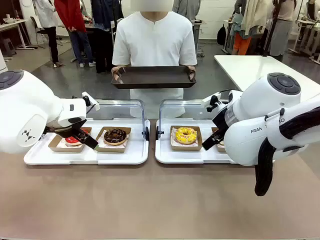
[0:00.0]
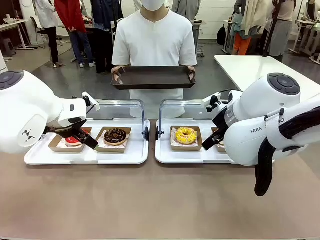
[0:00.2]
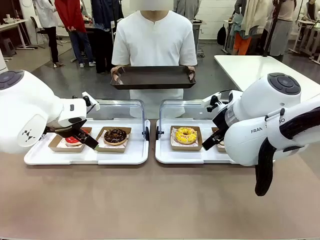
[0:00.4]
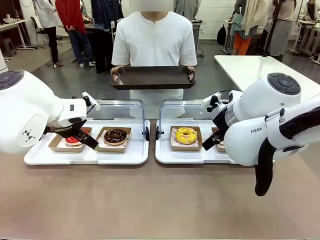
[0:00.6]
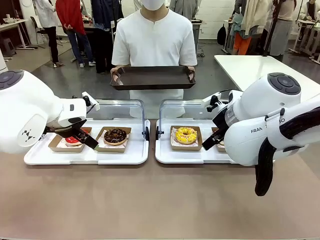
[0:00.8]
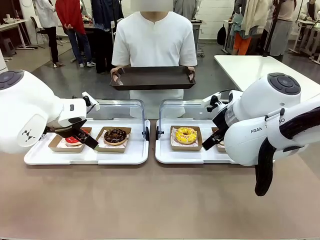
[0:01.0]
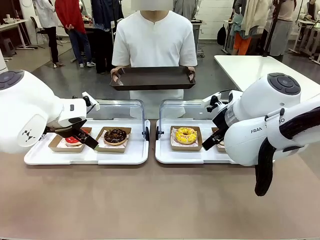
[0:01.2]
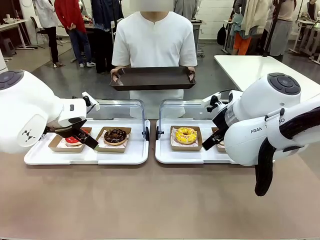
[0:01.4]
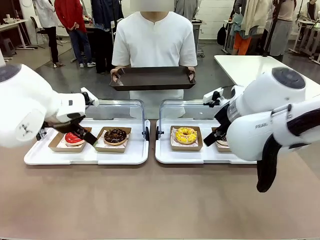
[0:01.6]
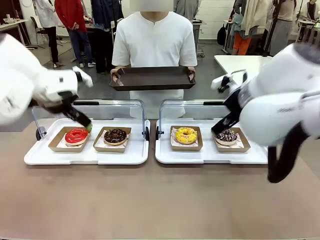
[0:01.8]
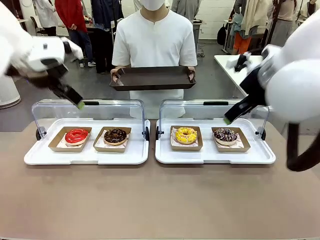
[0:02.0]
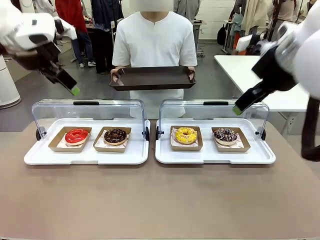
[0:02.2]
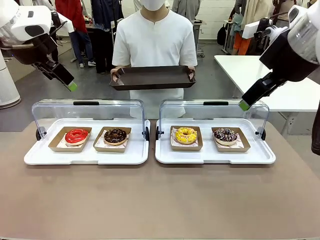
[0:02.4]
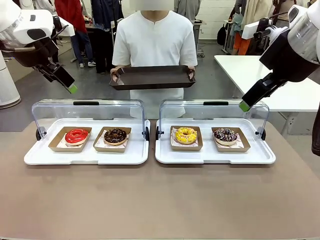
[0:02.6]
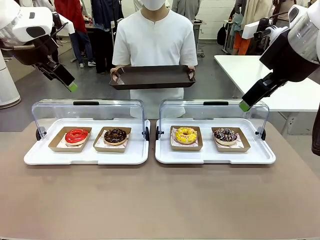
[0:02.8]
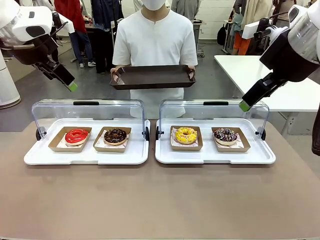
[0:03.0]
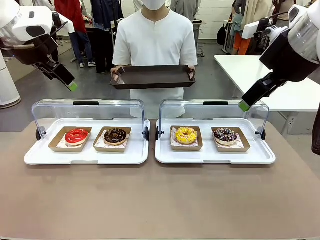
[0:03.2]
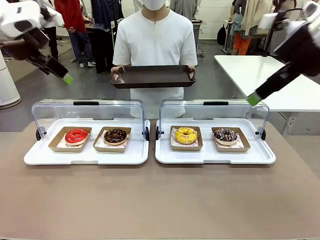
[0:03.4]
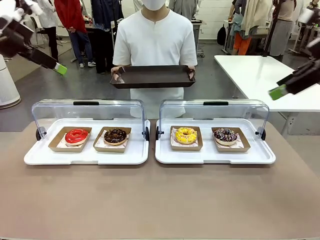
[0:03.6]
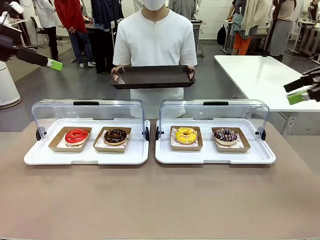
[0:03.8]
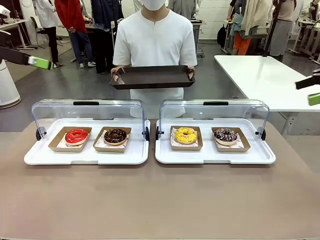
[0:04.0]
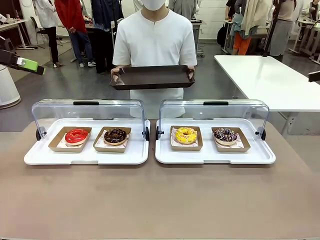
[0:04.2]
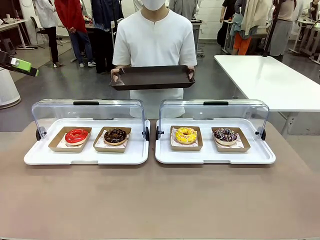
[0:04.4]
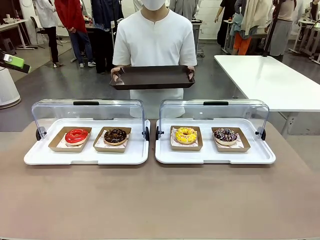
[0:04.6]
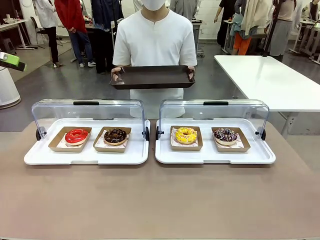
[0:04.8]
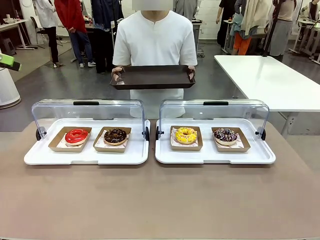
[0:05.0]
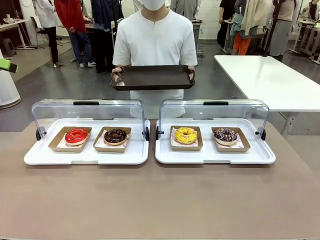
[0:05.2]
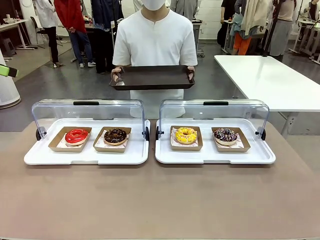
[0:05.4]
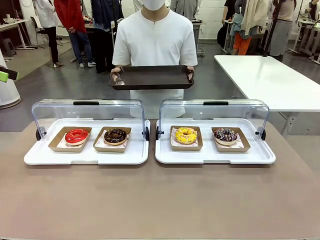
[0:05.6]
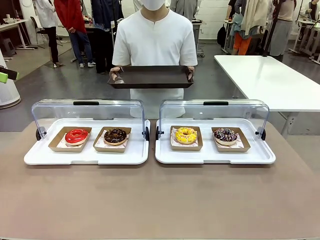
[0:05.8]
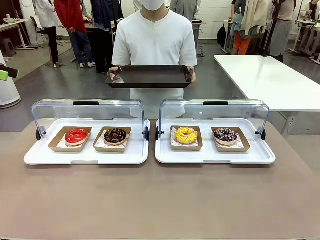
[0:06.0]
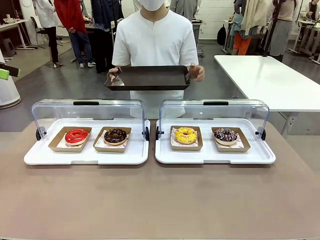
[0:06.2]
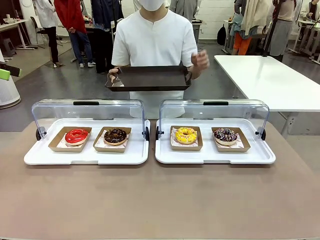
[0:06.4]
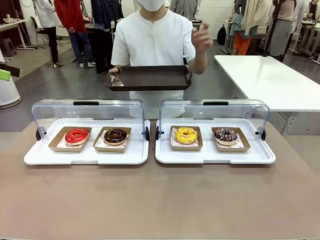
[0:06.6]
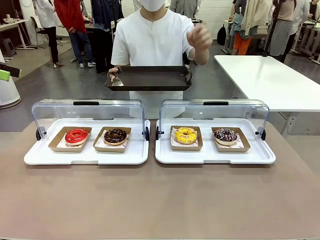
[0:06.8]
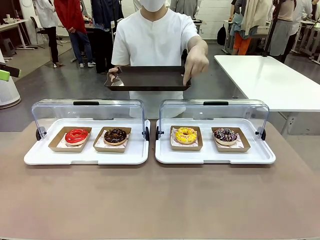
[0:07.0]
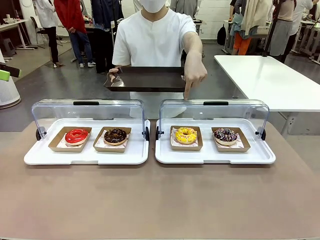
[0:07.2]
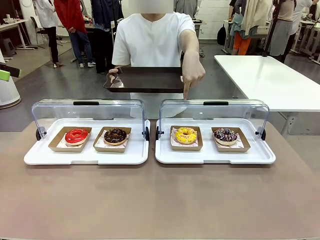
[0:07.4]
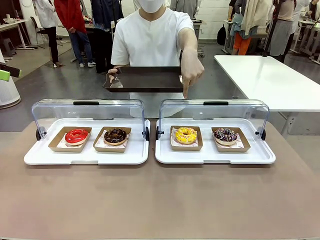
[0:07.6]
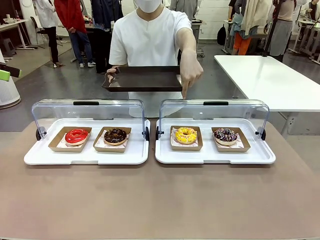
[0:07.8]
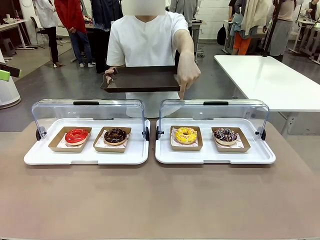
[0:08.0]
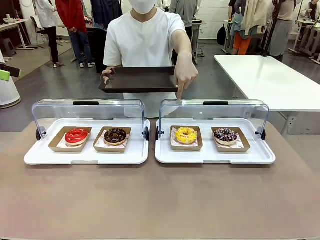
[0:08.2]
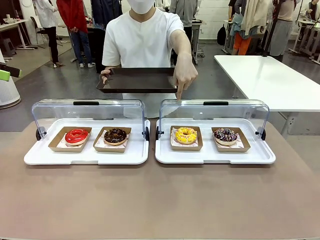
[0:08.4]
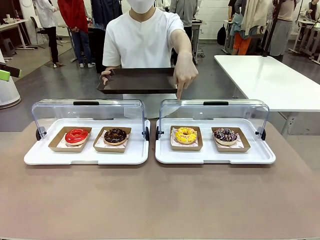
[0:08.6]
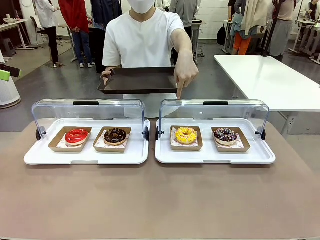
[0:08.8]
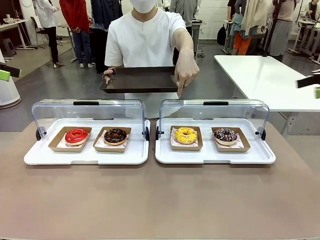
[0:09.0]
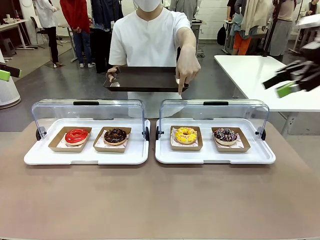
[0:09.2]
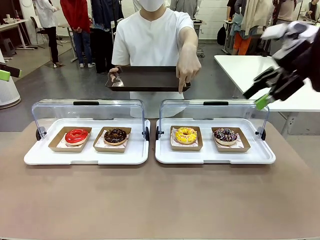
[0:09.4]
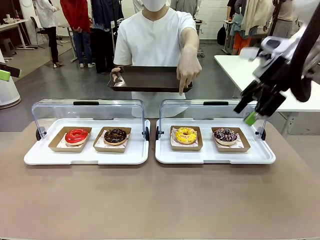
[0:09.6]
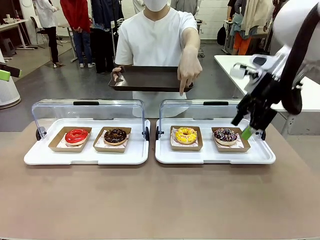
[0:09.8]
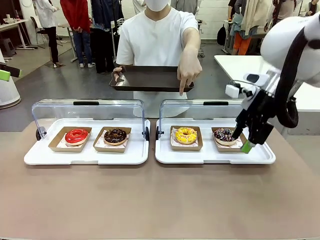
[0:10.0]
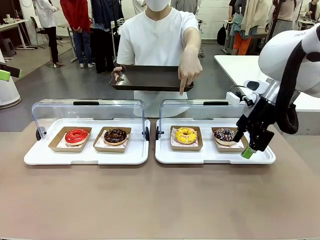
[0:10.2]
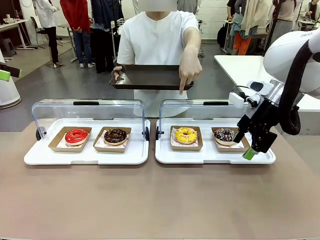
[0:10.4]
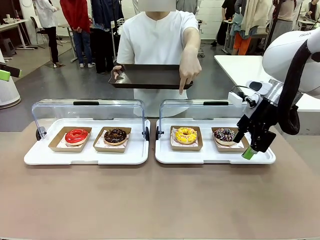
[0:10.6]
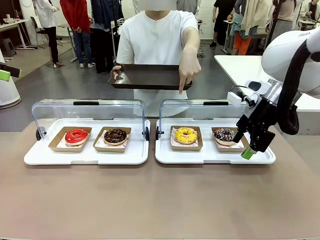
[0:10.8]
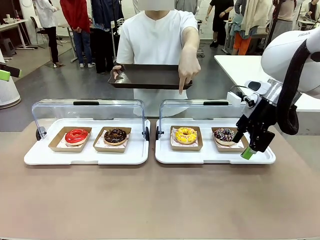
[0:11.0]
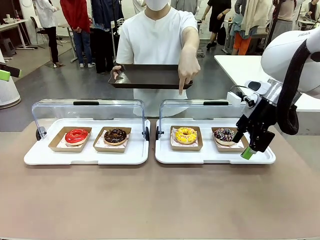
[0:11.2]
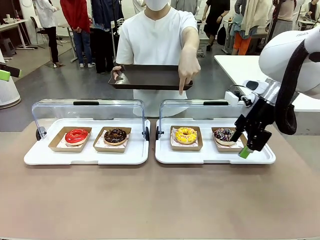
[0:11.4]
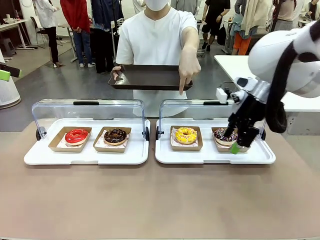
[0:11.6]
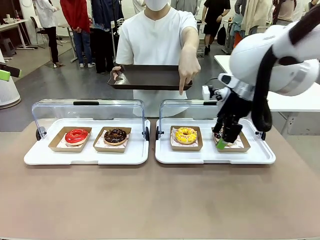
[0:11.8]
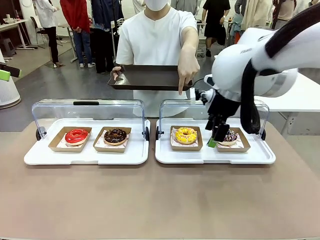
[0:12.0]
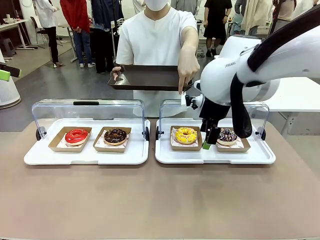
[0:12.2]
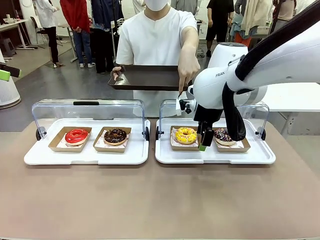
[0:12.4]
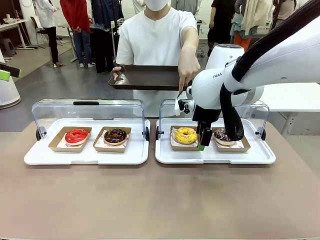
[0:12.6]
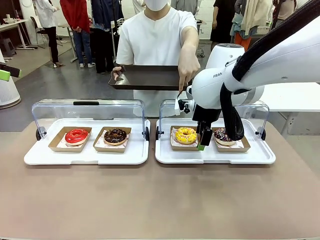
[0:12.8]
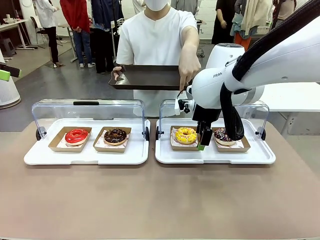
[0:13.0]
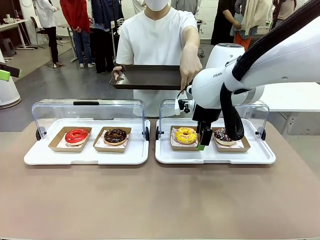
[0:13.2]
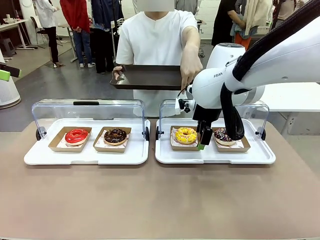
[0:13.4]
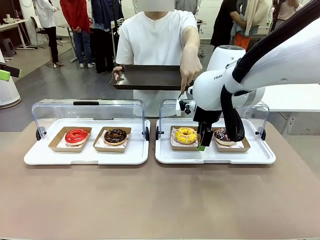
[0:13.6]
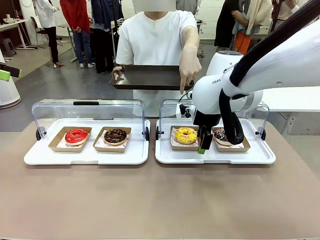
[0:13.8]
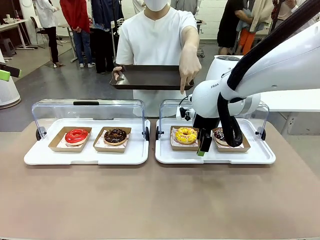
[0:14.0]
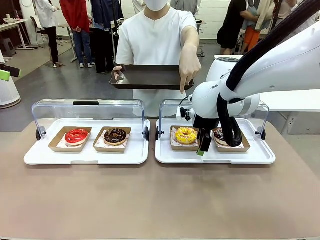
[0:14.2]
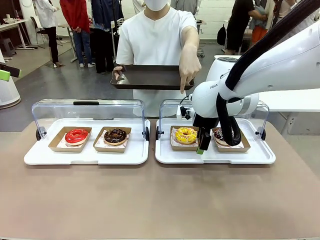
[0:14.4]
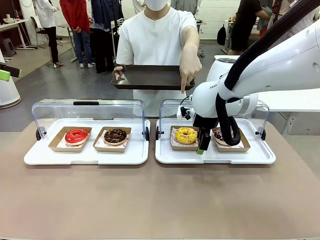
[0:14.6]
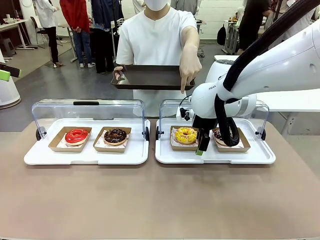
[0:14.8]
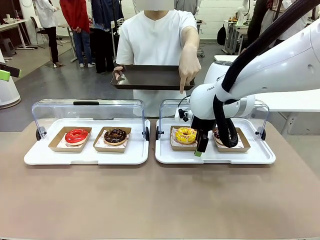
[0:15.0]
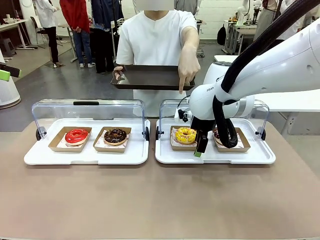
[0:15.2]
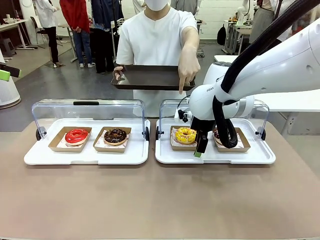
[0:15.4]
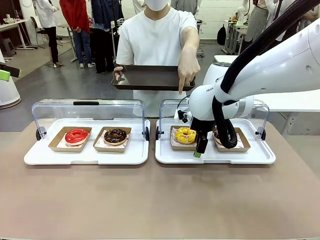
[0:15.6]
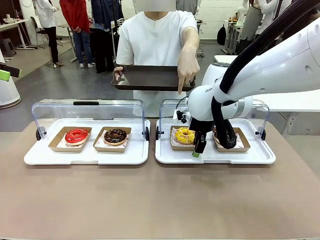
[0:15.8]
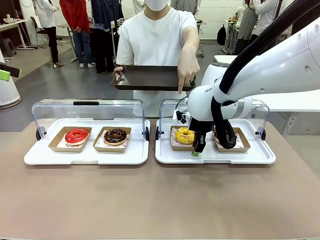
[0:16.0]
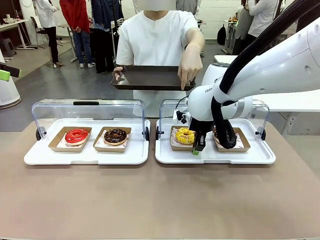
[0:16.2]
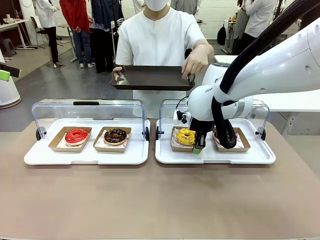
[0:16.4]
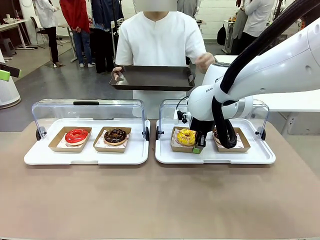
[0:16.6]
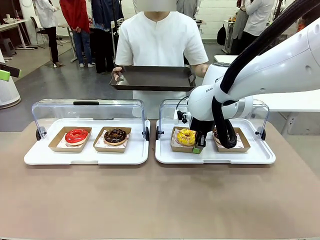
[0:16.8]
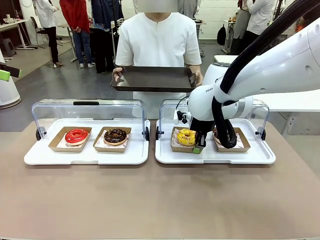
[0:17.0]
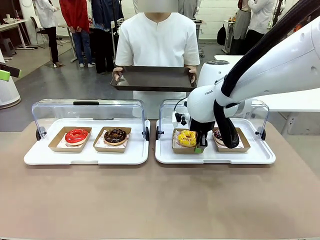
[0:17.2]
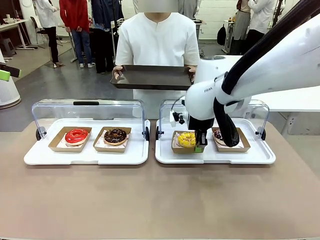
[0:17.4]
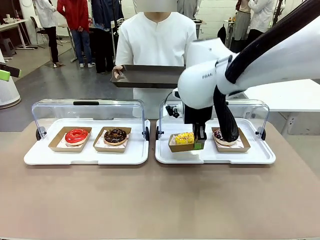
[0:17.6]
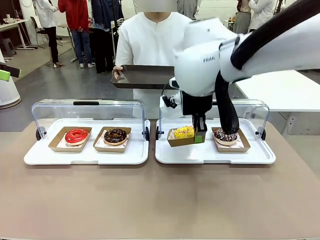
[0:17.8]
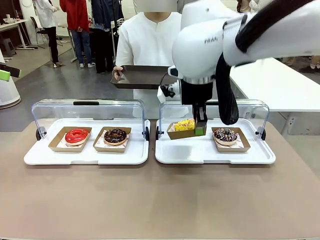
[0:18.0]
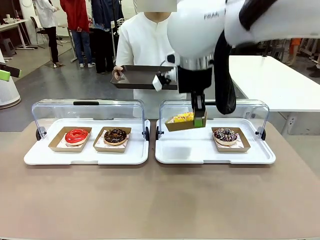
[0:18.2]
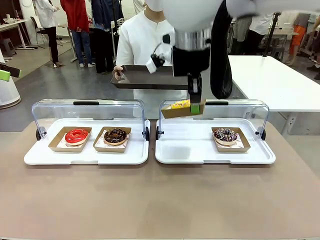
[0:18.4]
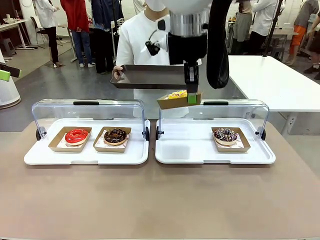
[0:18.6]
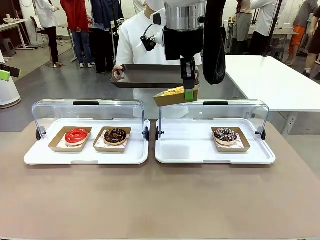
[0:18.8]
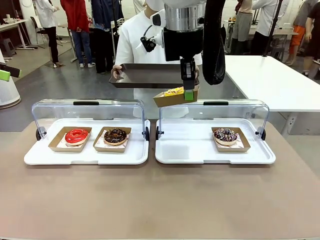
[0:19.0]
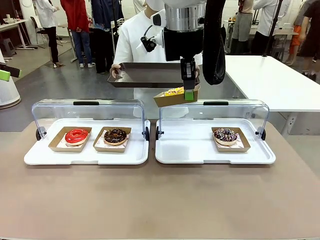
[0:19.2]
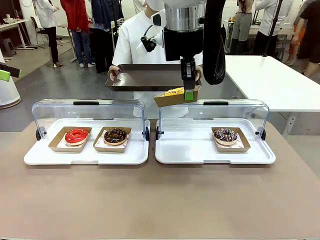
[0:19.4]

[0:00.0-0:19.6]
Task: Provide the desired donut to the person.
Robot: Pick up and lift the Paper togo box containing the Donut pointed at by the person.
Person: Point to one donut. Lift the tray onto the Roll-Top Bakery Case.
